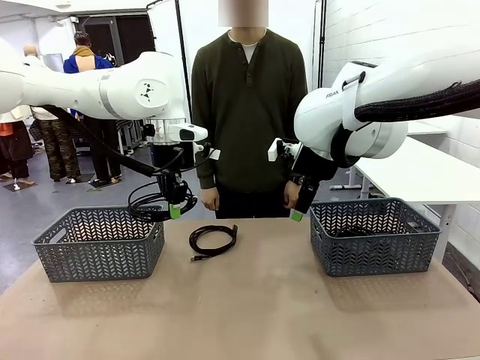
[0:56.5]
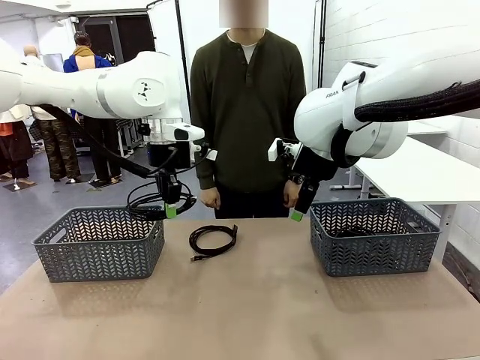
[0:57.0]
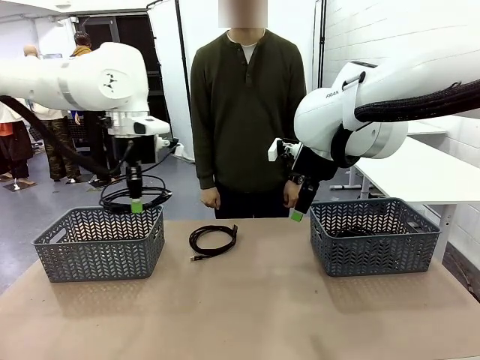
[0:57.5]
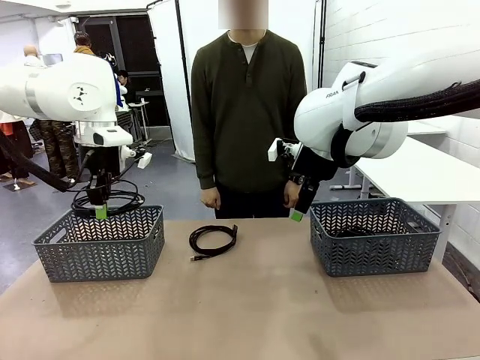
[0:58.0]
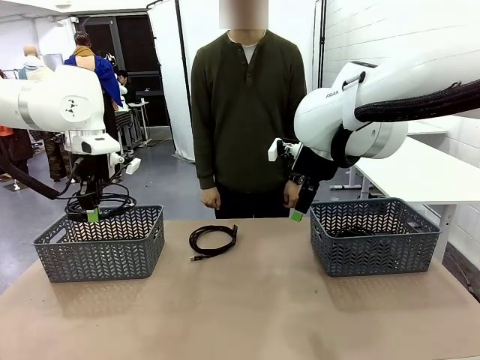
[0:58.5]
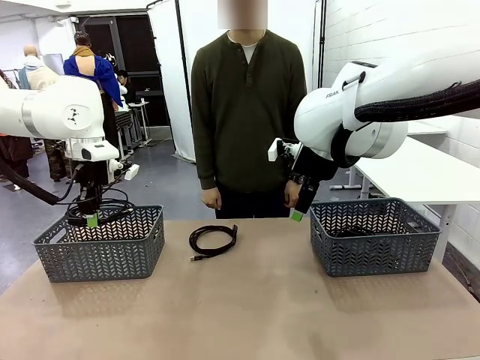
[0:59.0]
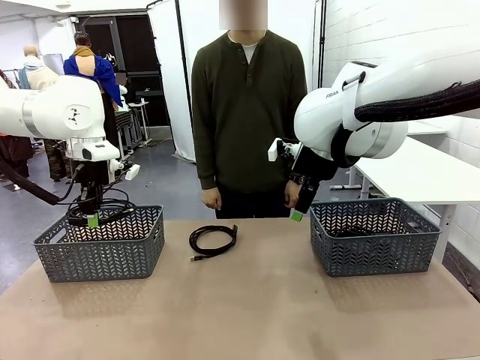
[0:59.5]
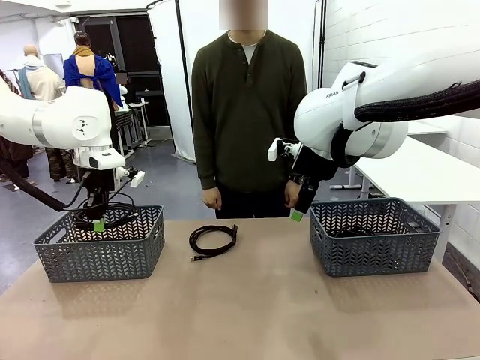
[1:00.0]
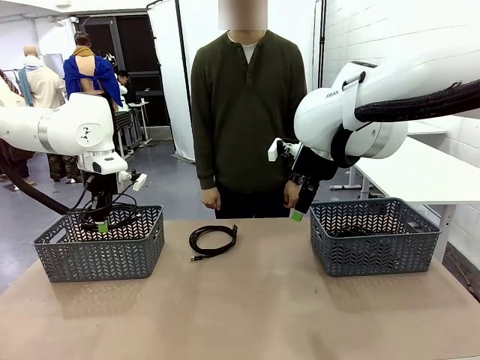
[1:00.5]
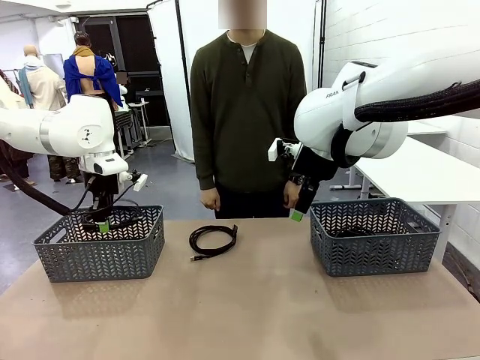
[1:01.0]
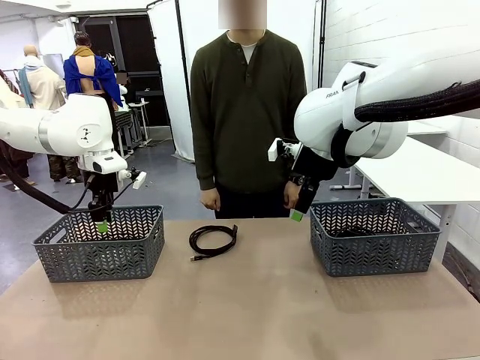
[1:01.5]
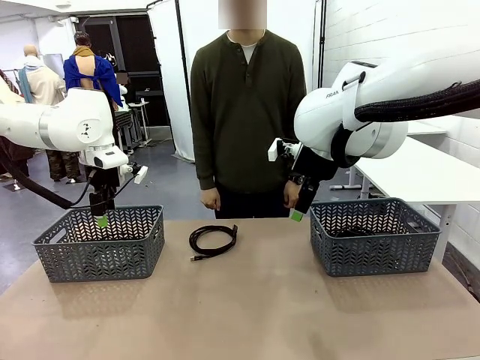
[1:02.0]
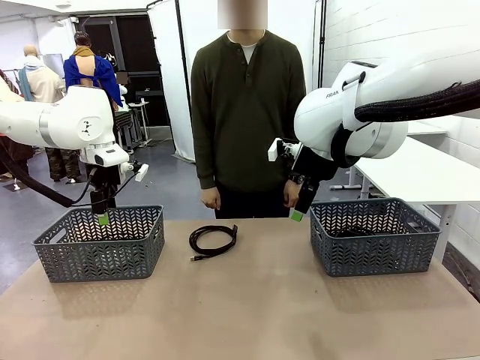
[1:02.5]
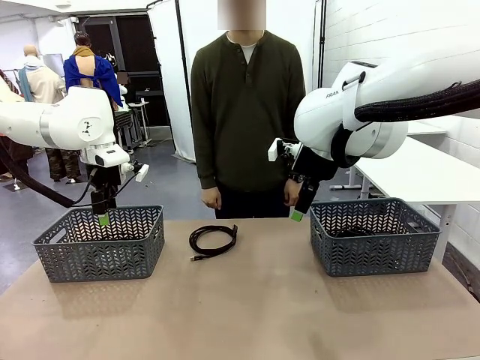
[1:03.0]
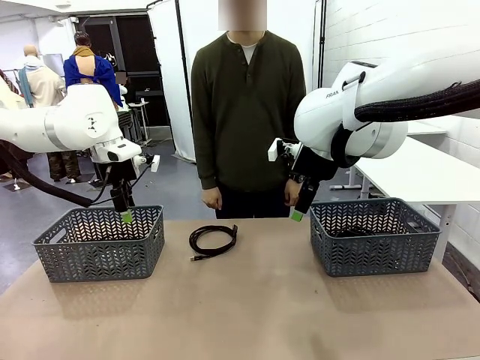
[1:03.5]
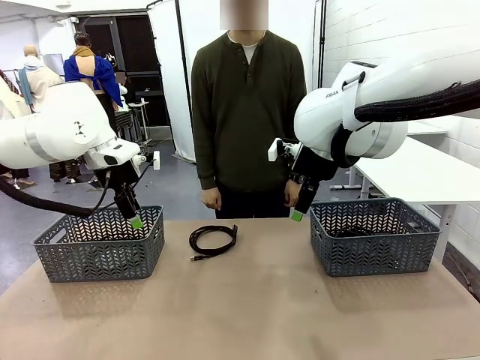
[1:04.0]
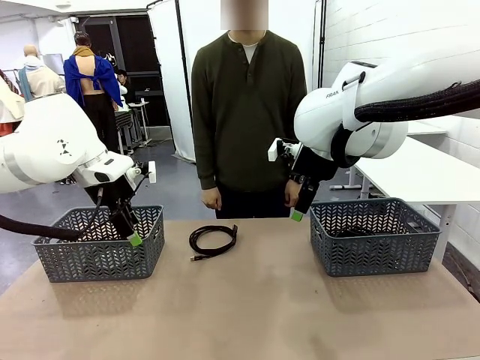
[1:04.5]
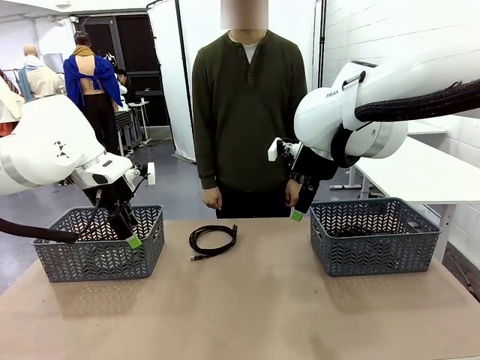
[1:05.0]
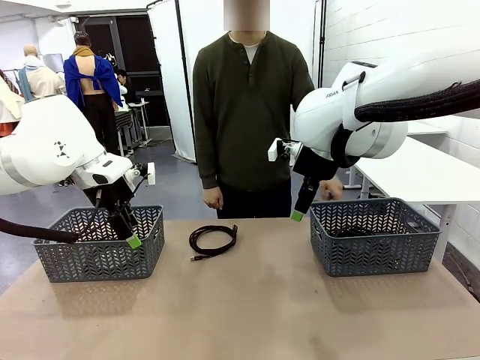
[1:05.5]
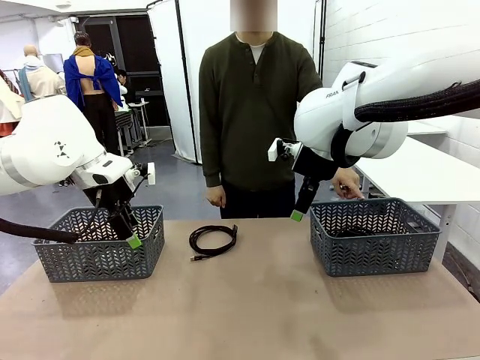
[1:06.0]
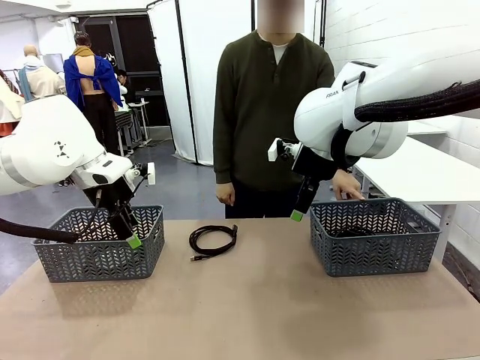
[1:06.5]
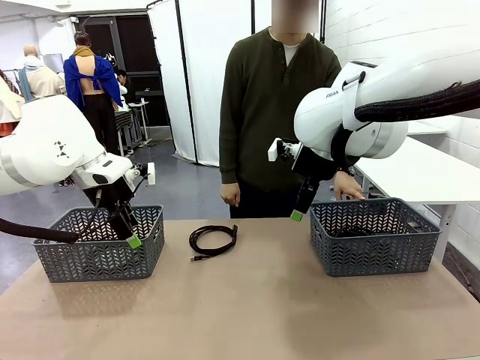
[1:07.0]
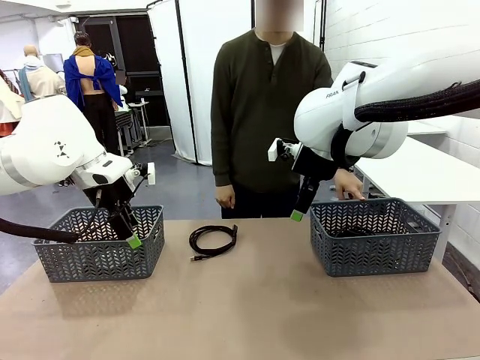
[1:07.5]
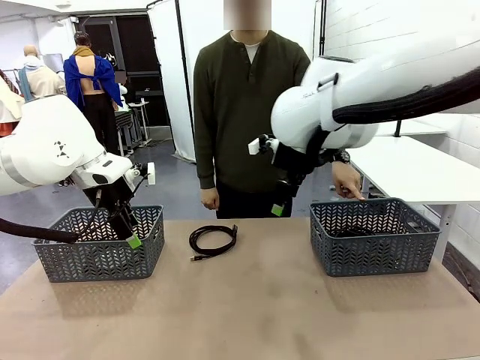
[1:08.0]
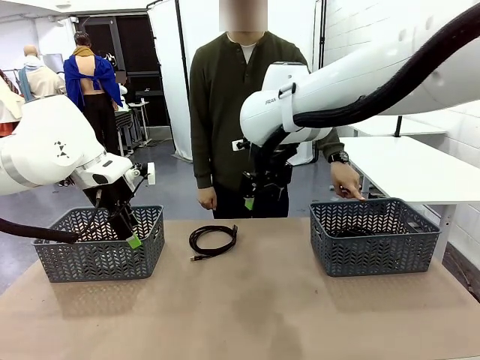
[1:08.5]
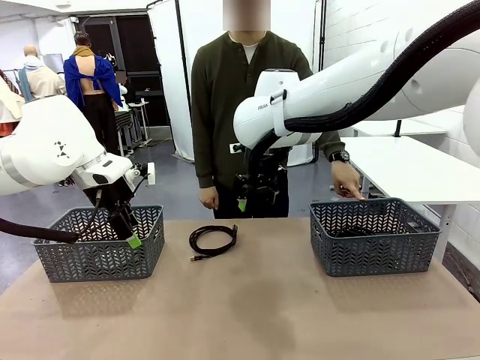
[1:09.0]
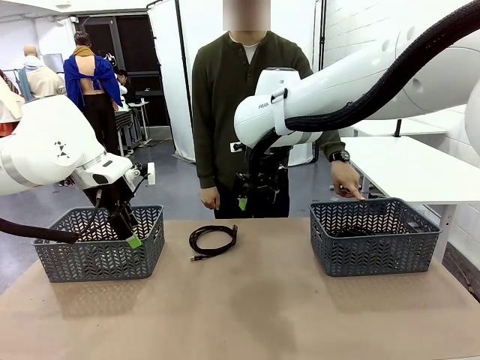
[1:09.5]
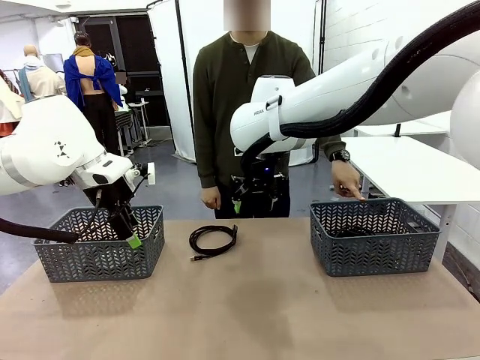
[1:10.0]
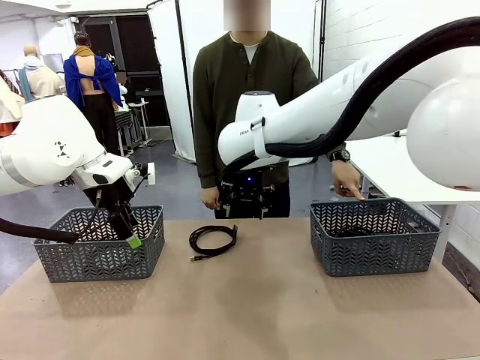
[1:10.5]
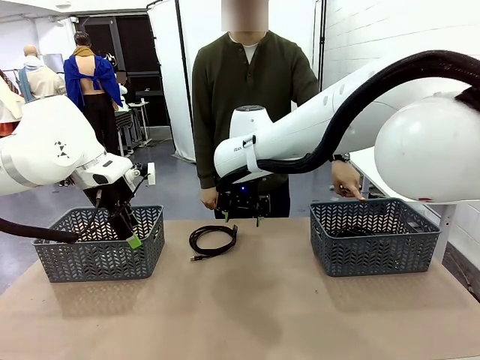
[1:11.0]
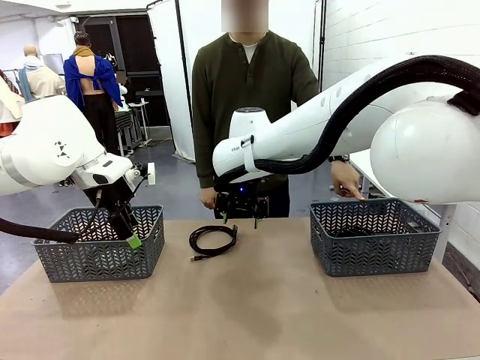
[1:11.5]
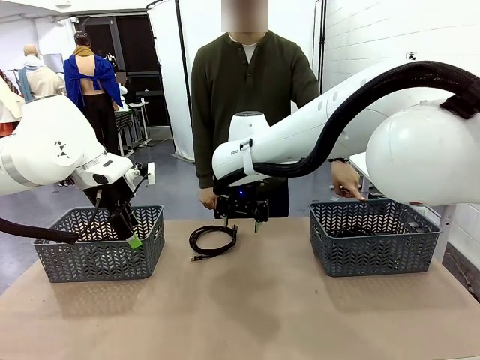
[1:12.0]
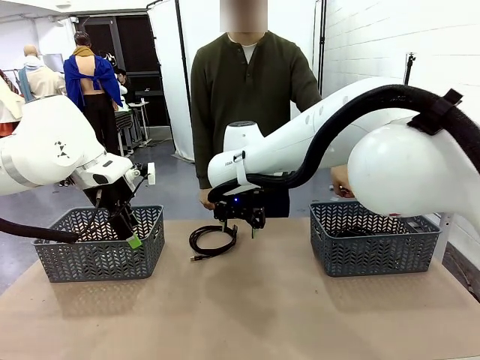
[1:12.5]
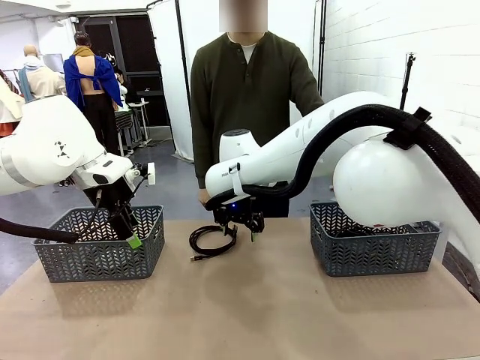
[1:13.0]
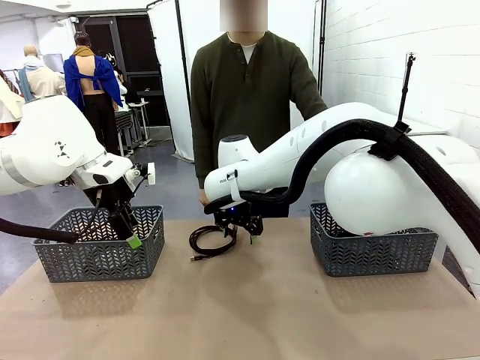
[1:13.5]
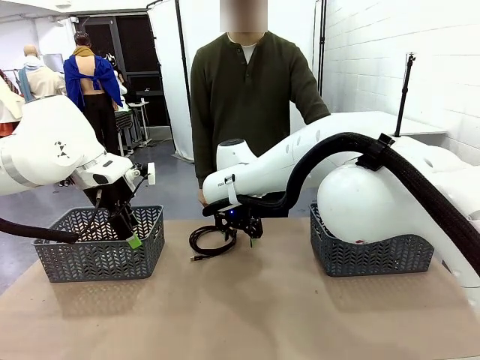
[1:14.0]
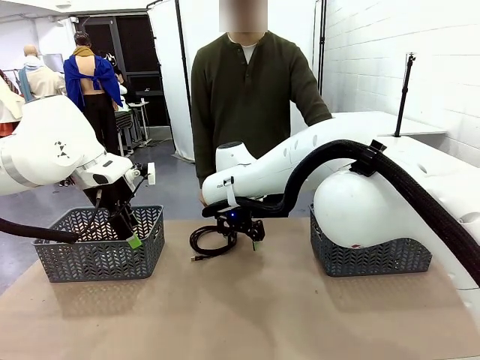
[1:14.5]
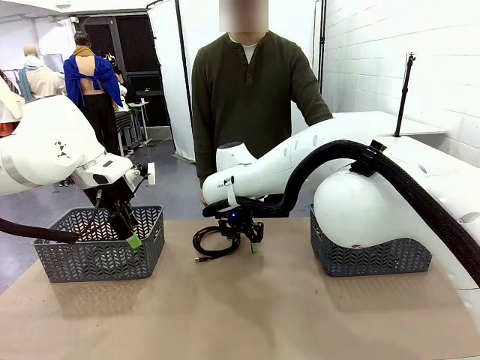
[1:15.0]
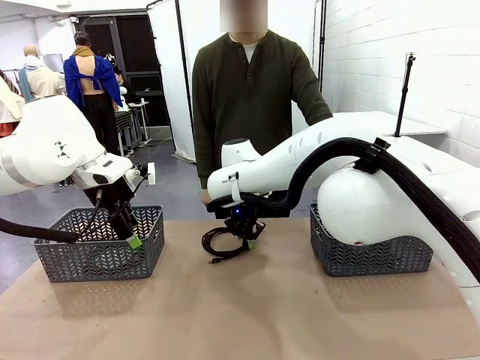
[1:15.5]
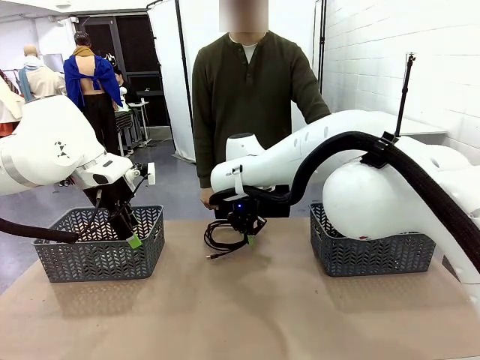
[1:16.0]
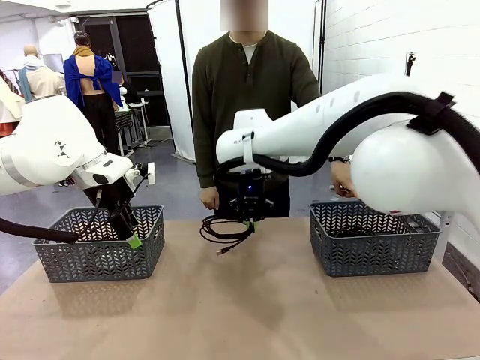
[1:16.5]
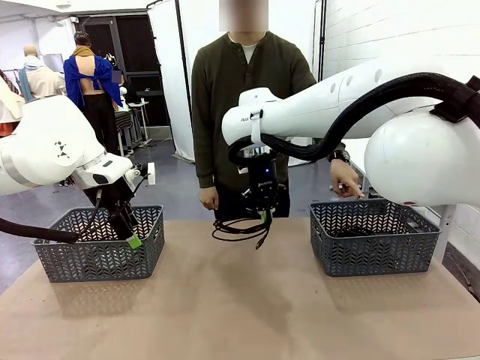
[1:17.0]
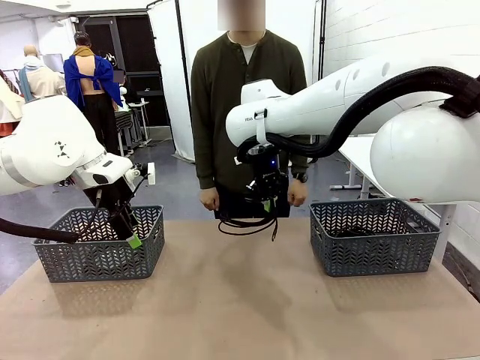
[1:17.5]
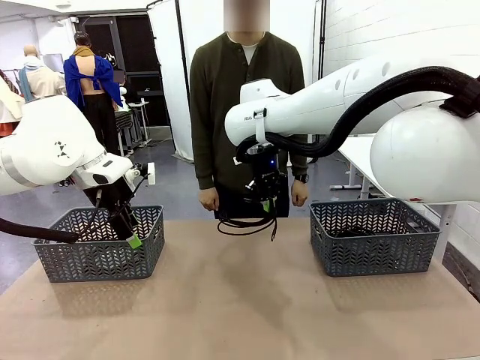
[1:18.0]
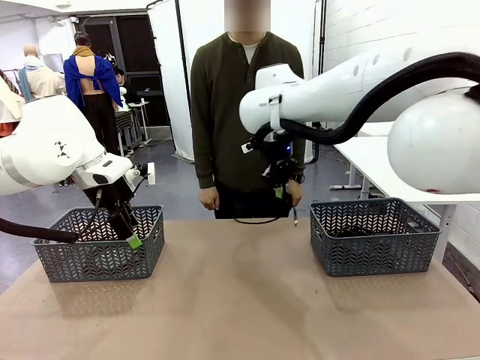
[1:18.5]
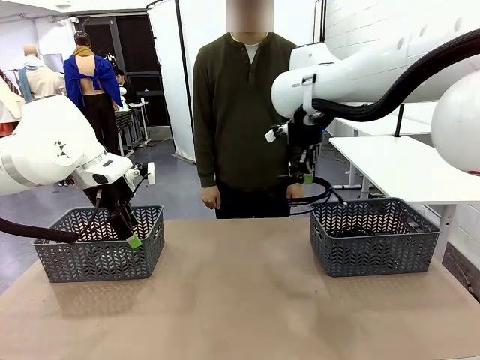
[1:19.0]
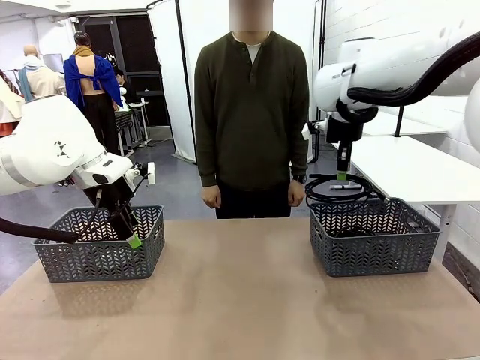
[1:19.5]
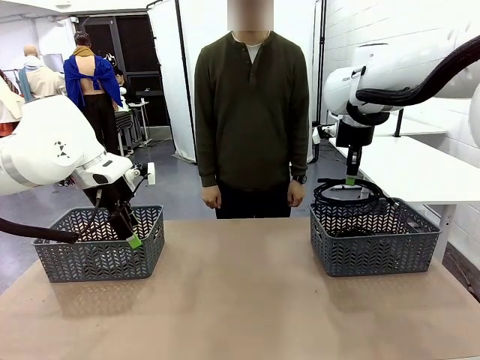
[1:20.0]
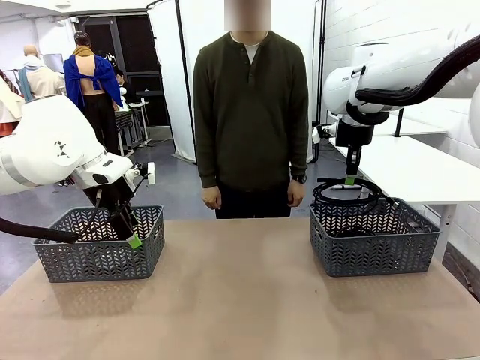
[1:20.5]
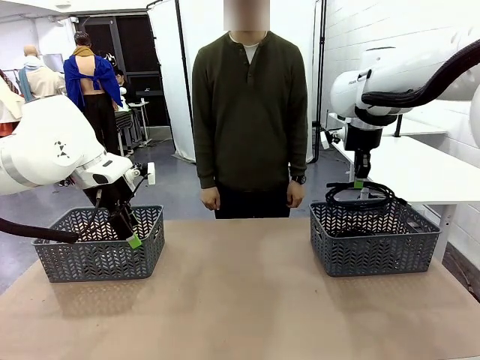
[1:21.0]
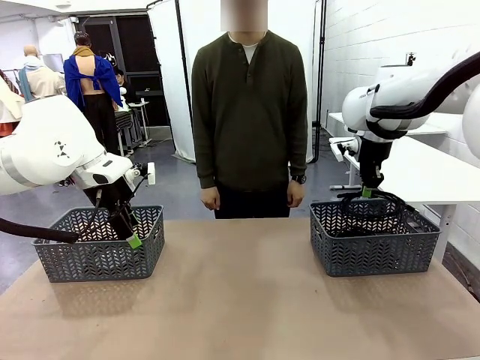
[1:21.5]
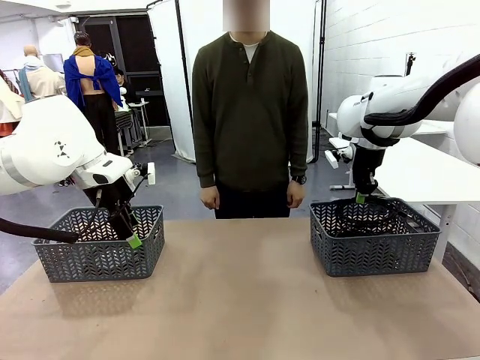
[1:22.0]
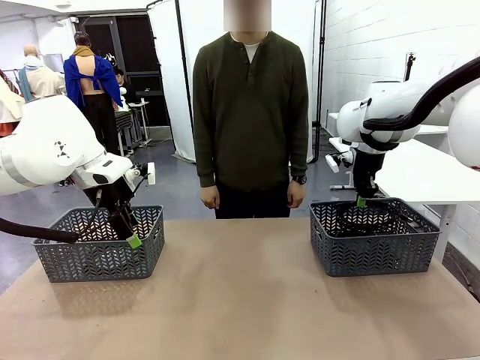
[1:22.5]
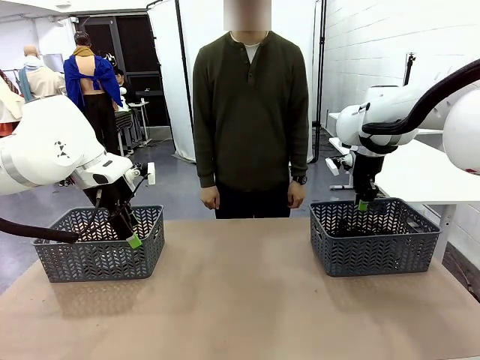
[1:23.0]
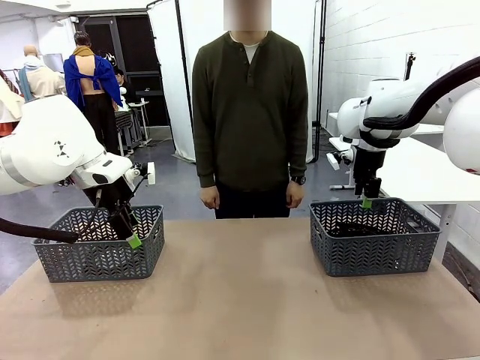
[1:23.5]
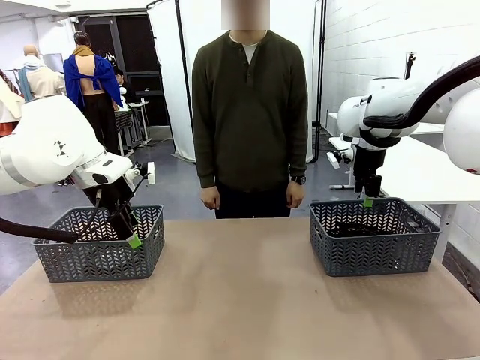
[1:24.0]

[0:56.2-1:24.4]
Task: Organize the cables according to human instructions.
Robot: Pick up a bundle of cables and place it in the basket indicated by the human.
